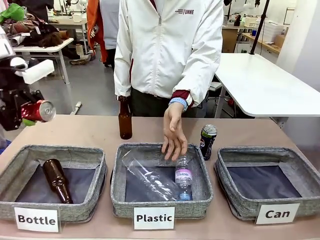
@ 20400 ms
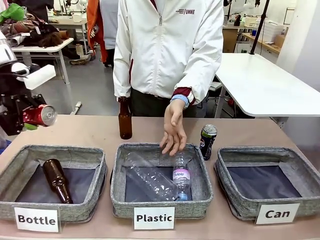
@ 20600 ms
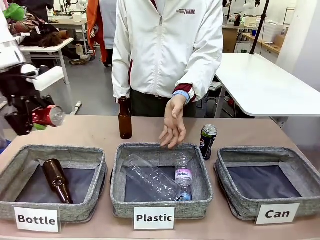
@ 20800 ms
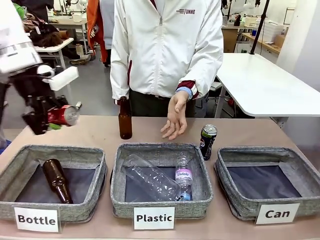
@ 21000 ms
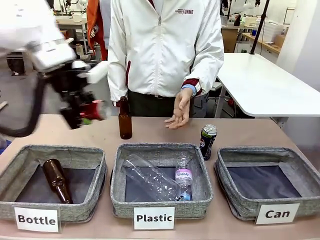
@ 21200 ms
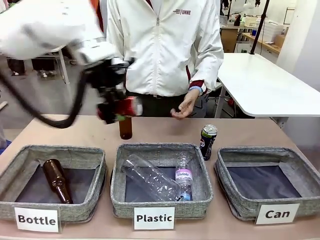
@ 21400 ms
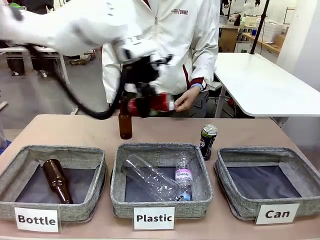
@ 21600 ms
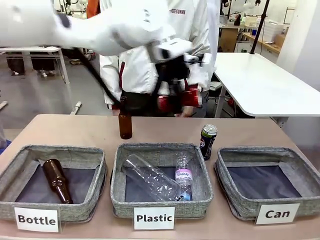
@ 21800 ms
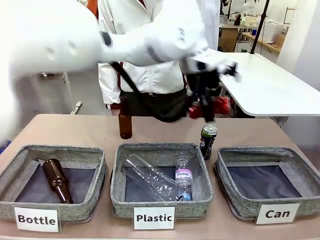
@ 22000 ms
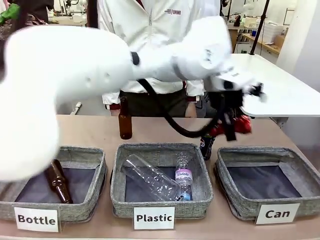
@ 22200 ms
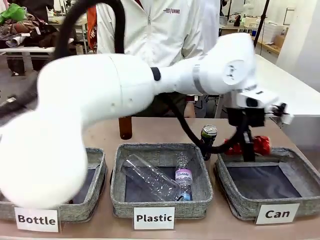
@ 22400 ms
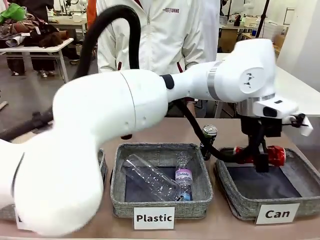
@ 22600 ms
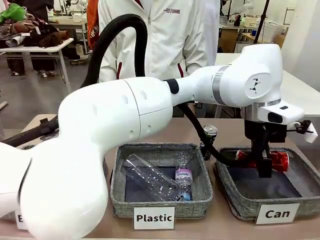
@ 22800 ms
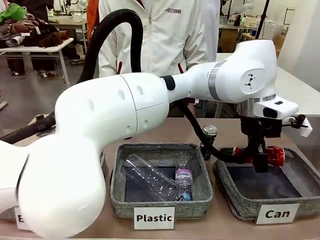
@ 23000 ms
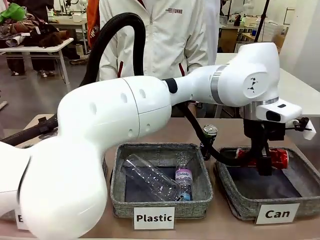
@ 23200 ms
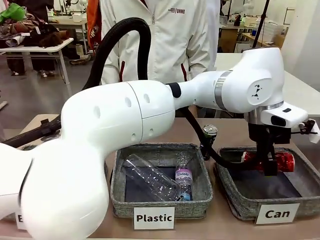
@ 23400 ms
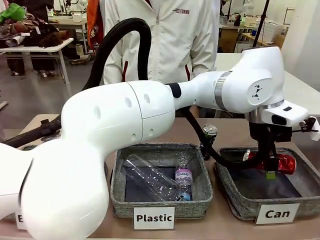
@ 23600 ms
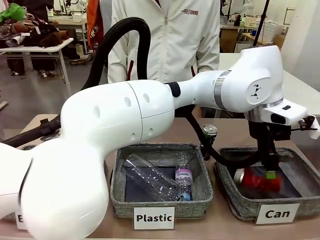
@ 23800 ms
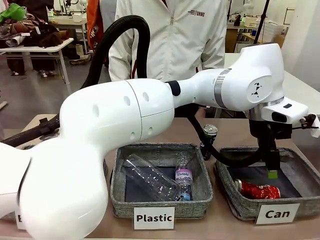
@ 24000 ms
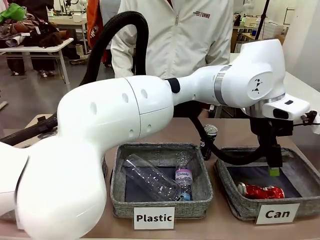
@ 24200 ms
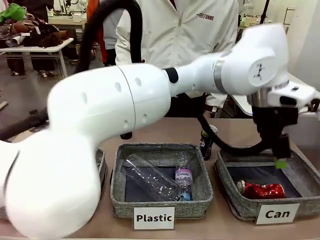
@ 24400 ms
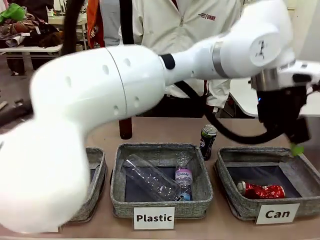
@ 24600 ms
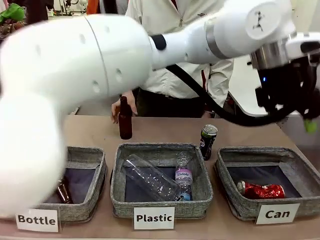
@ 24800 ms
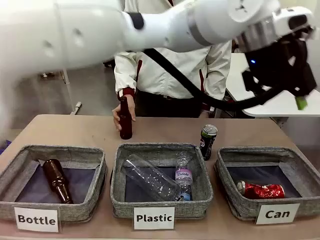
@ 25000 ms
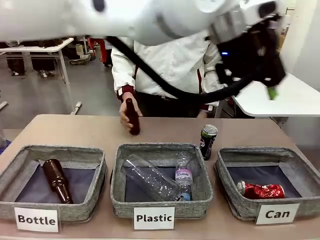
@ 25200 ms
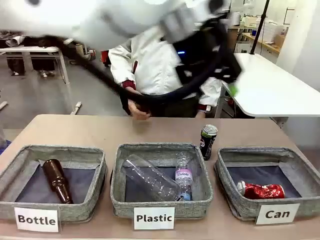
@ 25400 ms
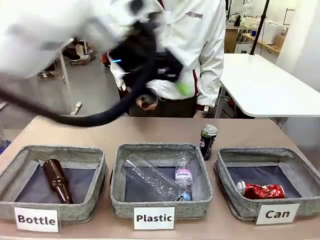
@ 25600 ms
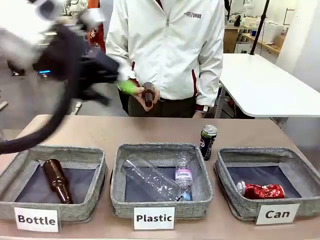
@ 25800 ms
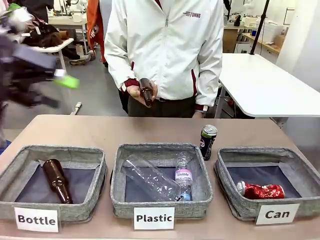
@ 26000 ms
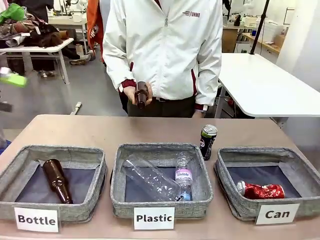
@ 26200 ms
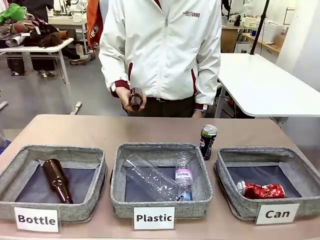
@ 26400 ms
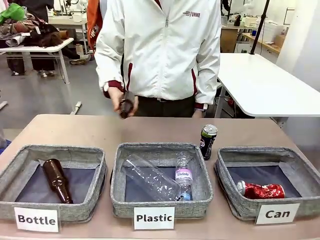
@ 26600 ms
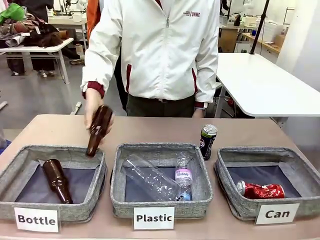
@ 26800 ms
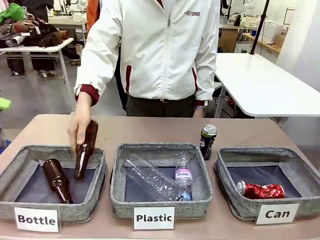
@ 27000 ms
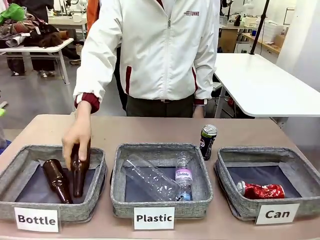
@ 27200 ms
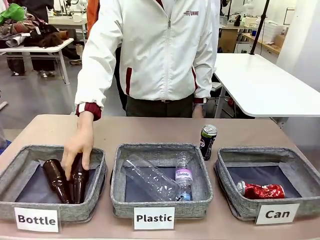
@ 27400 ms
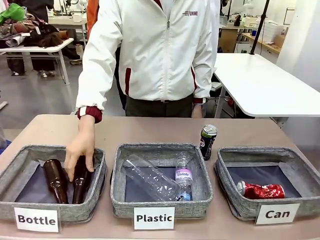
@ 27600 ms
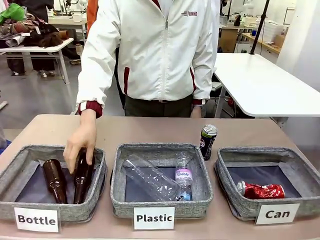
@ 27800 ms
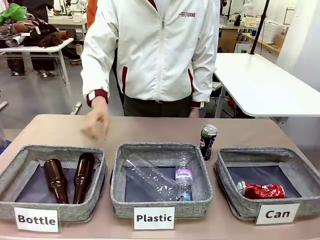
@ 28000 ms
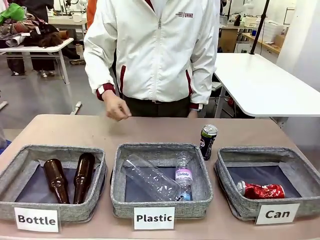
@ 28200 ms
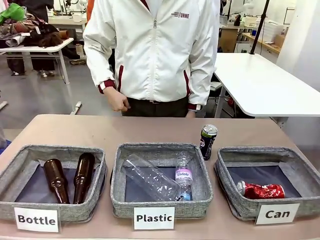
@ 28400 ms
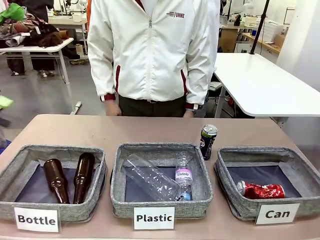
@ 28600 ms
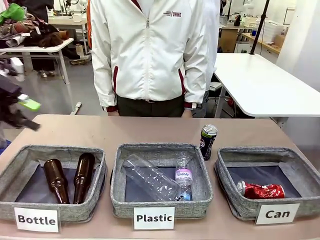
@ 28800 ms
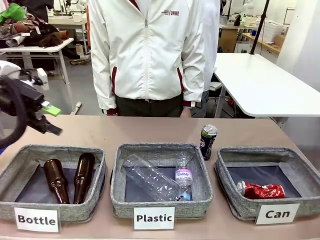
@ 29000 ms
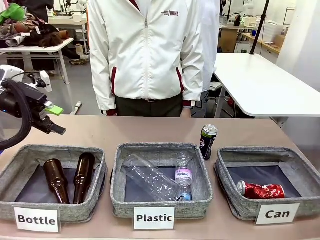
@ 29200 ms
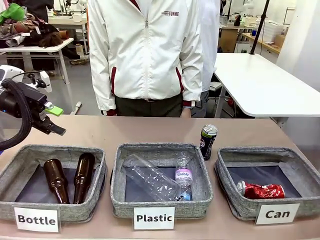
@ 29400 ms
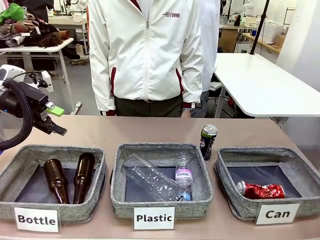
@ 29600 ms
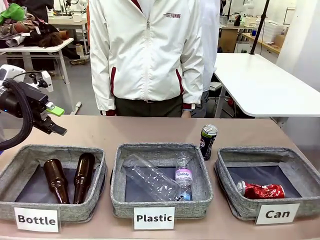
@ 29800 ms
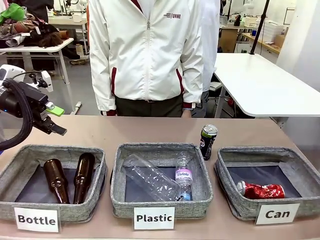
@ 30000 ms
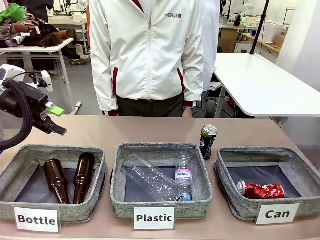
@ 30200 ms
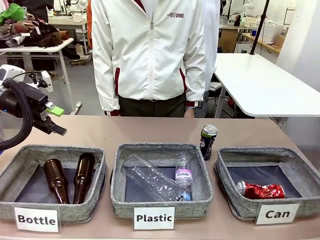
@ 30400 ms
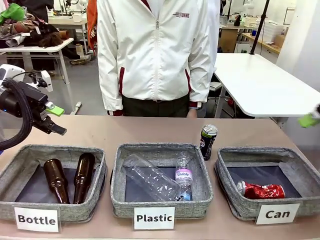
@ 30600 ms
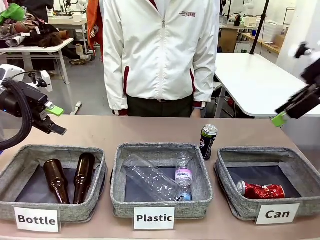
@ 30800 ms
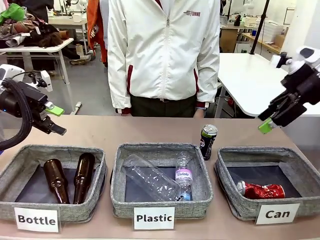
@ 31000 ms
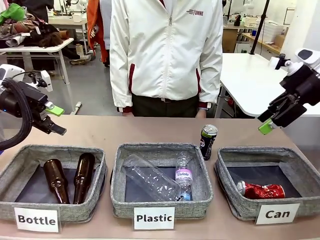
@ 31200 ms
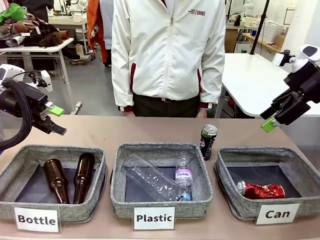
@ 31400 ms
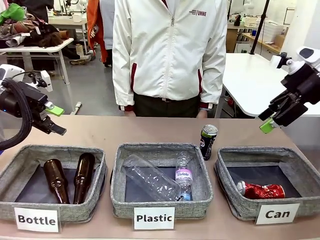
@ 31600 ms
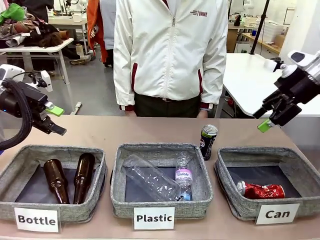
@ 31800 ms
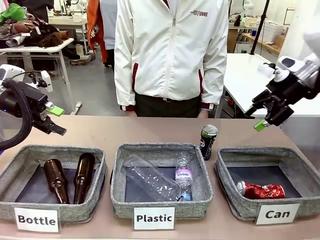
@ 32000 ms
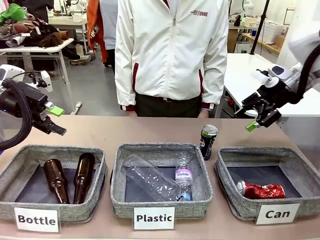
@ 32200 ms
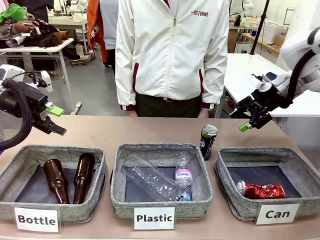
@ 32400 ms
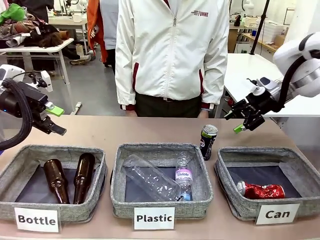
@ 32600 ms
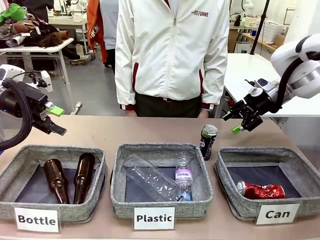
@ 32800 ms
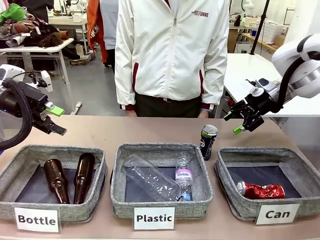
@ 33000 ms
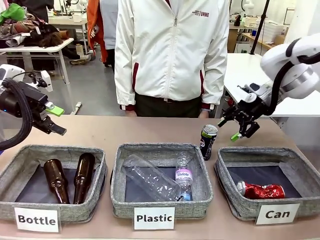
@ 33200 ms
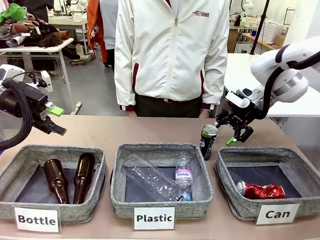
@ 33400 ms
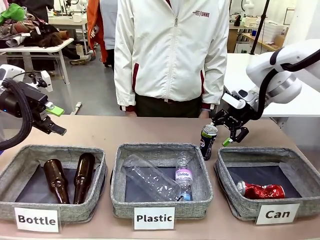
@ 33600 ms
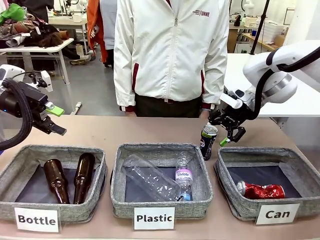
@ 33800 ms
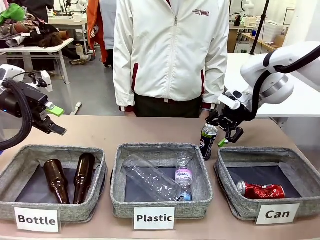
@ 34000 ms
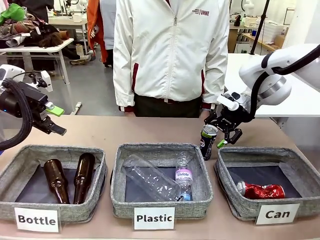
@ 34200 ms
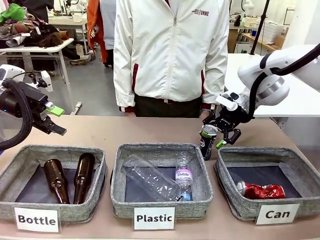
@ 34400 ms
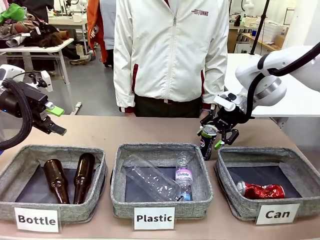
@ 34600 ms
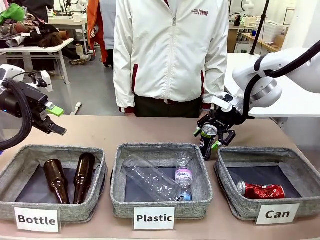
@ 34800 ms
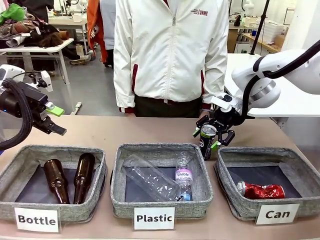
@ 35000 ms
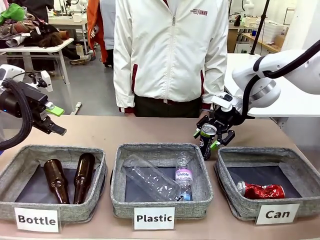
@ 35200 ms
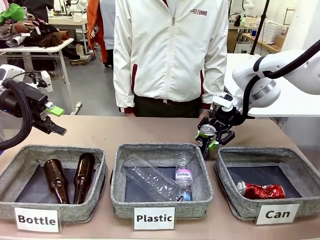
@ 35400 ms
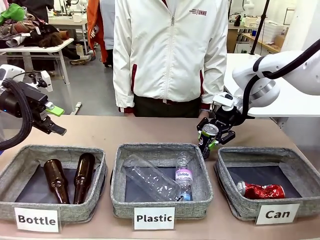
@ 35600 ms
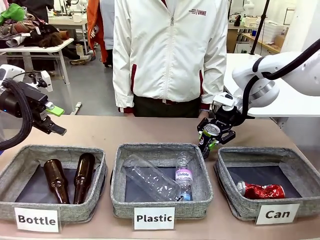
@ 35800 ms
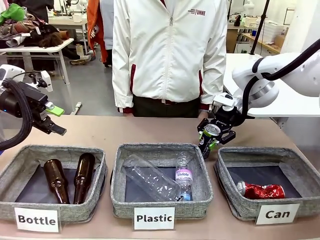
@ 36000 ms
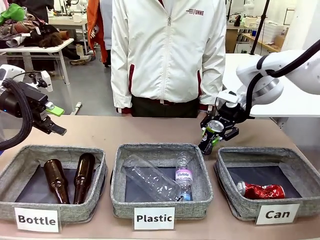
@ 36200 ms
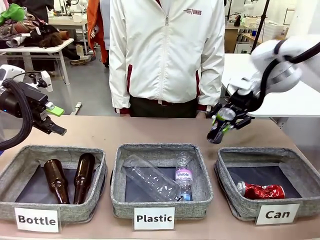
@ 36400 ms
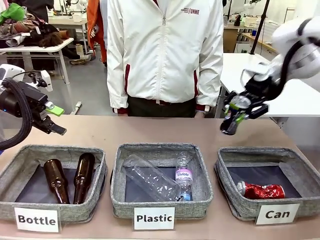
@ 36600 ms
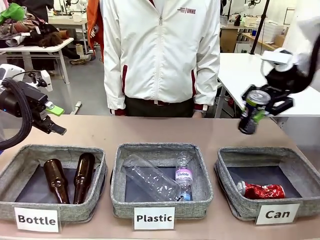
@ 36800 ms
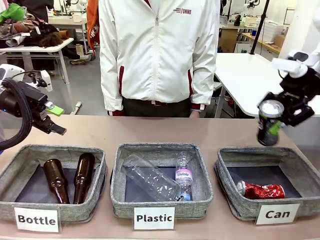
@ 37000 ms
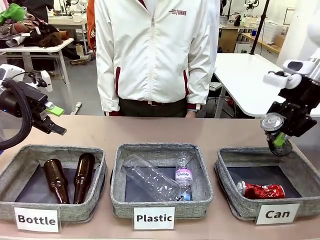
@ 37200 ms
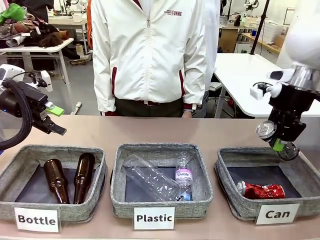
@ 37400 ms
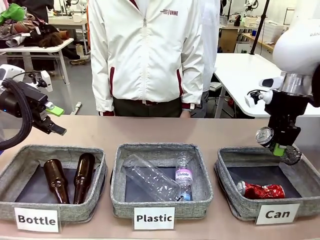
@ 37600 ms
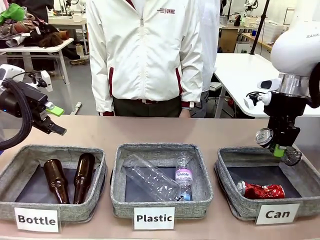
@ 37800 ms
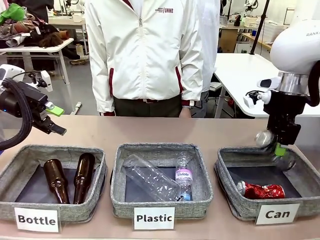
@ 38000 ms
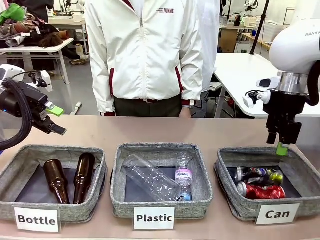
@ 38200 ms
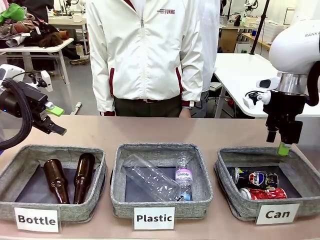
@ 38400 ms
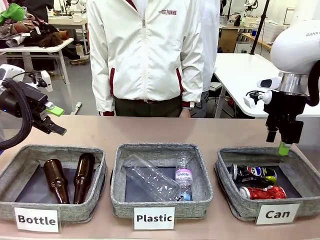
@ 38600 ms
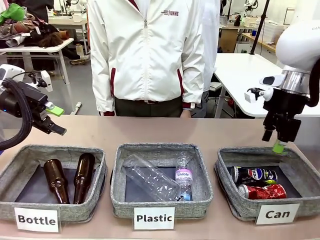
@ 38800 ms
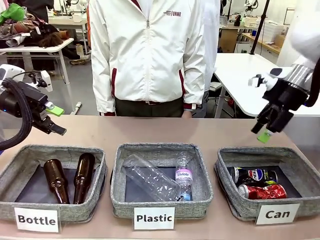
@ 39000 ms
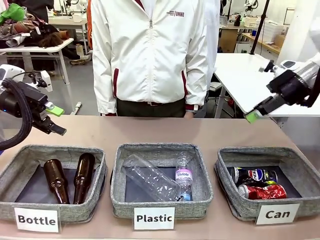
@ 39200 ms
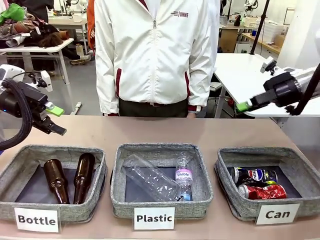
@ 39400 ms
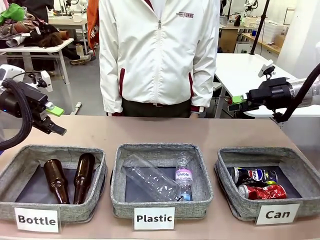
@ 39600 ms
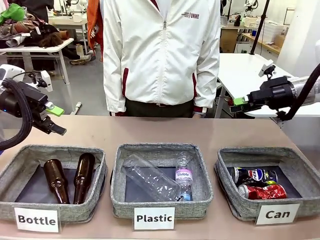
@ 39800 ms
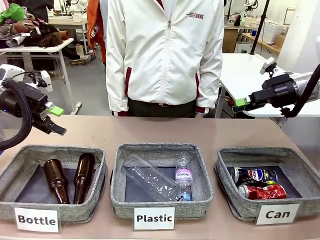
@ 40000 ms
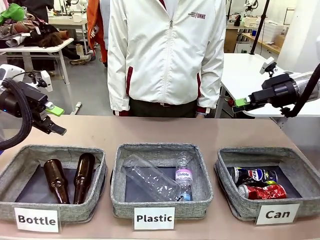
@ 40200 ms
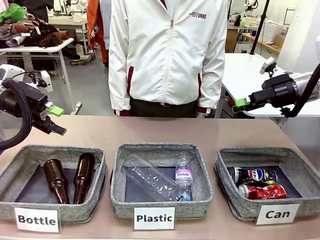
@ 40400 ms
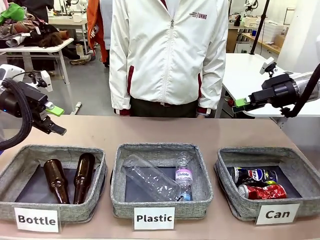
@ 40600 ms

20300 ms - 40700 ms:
Task: Sort the can waste into the basket.
Robot: Pick up the can waste from the table and place it in the right Fabric basket.
Person: The human picks up one piece of trash that is not a can and places the trash into the appropriate organizing basket.
